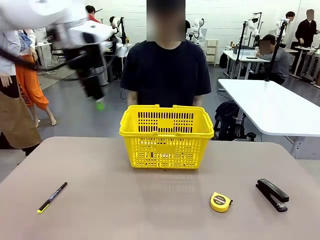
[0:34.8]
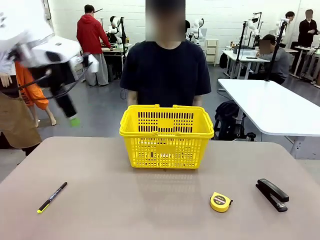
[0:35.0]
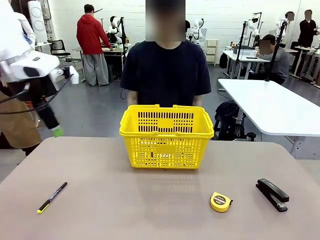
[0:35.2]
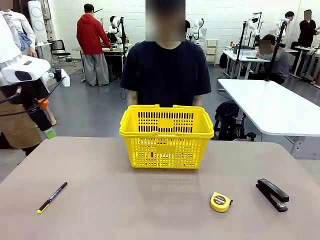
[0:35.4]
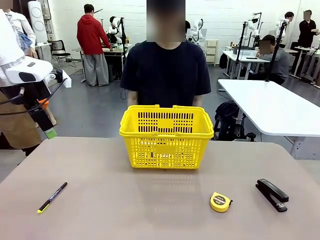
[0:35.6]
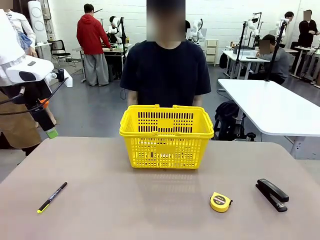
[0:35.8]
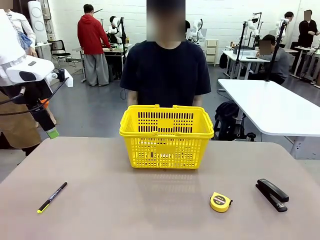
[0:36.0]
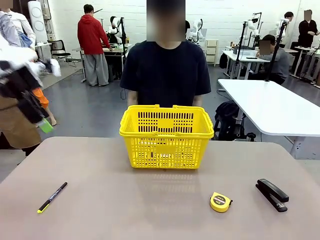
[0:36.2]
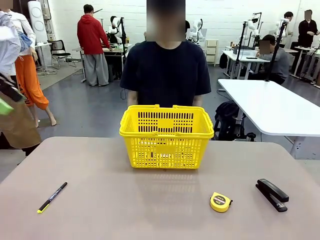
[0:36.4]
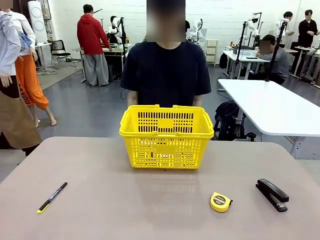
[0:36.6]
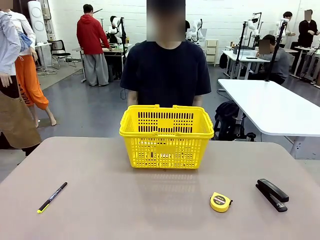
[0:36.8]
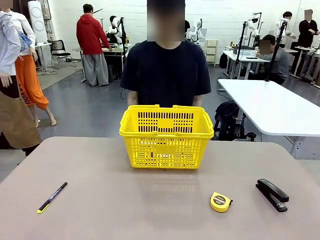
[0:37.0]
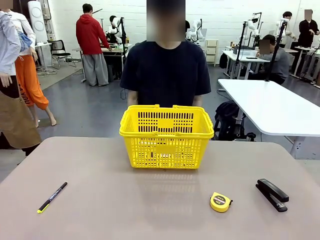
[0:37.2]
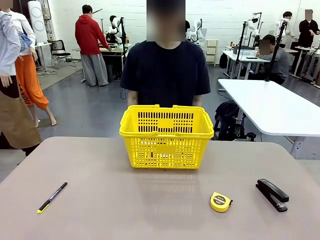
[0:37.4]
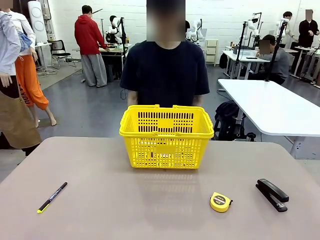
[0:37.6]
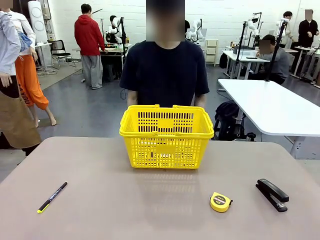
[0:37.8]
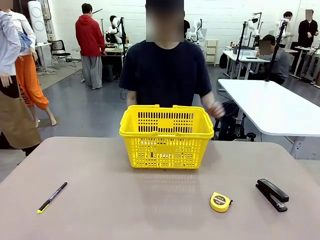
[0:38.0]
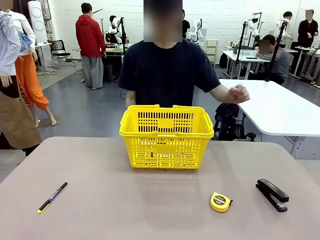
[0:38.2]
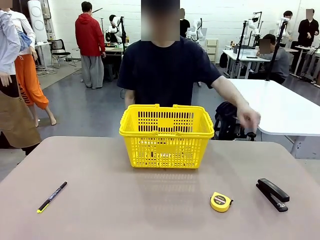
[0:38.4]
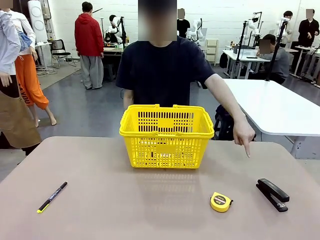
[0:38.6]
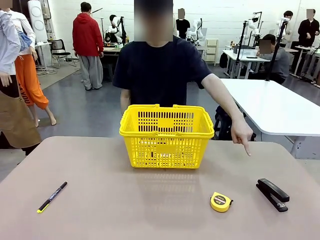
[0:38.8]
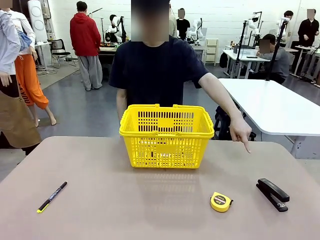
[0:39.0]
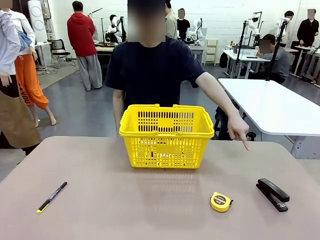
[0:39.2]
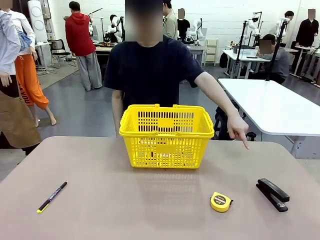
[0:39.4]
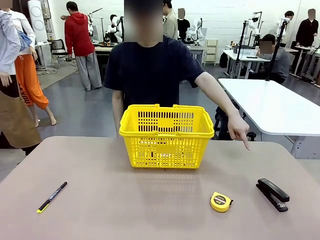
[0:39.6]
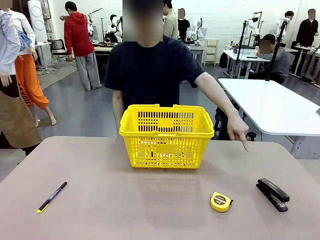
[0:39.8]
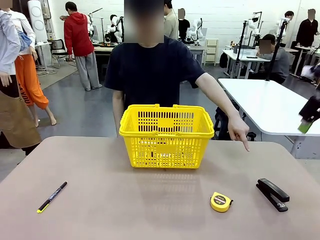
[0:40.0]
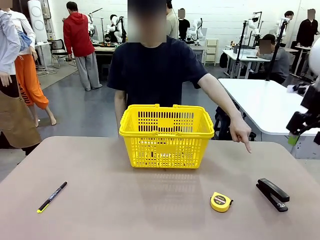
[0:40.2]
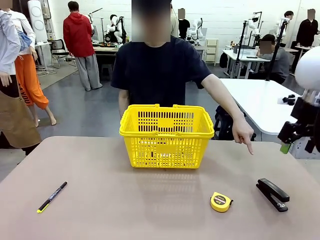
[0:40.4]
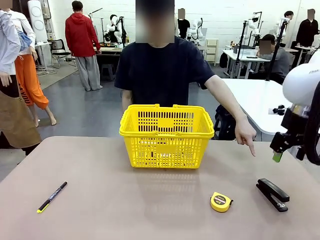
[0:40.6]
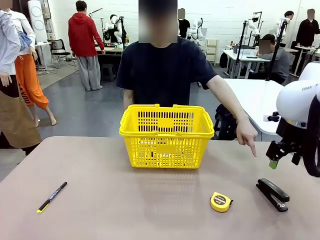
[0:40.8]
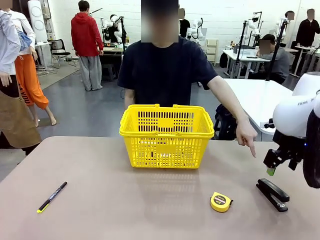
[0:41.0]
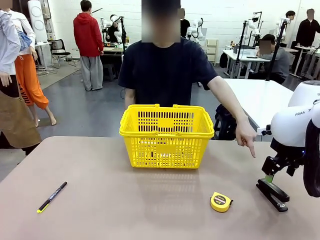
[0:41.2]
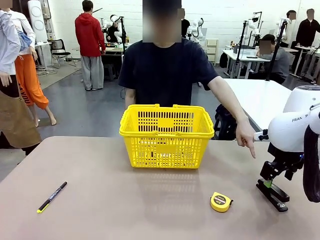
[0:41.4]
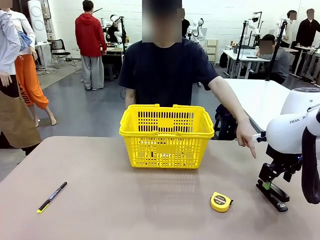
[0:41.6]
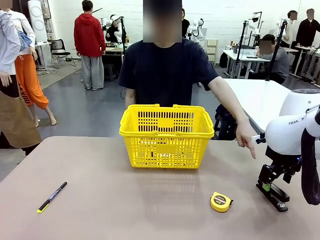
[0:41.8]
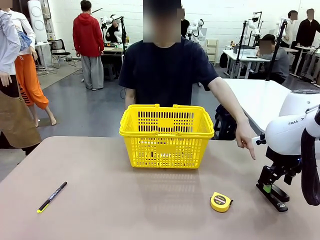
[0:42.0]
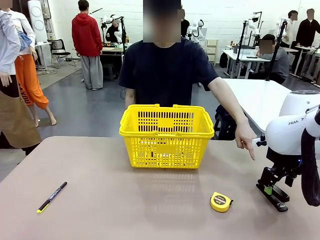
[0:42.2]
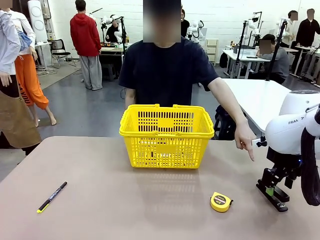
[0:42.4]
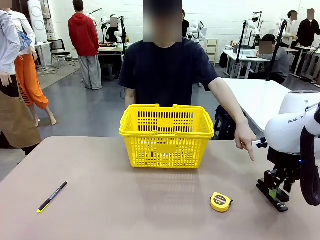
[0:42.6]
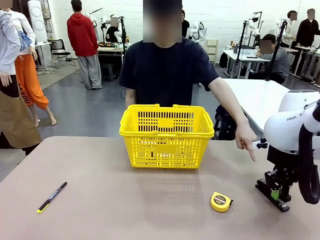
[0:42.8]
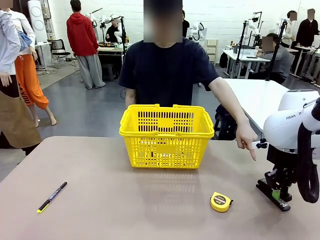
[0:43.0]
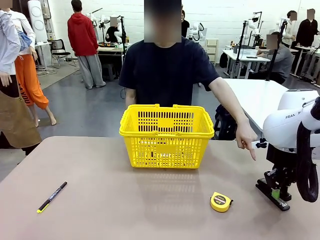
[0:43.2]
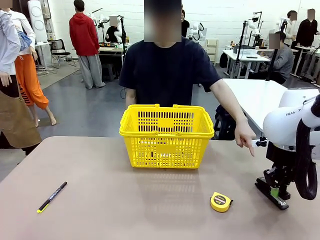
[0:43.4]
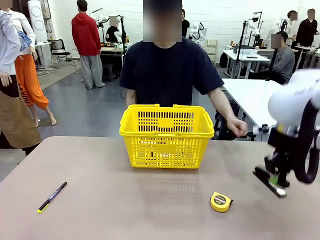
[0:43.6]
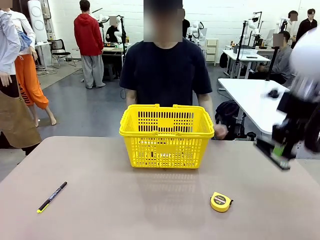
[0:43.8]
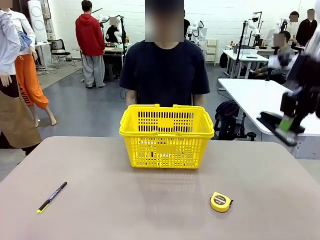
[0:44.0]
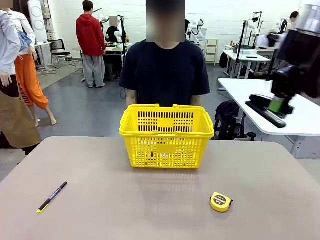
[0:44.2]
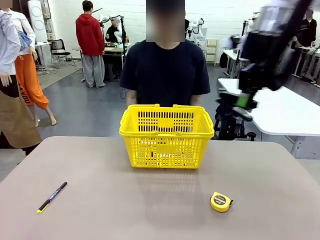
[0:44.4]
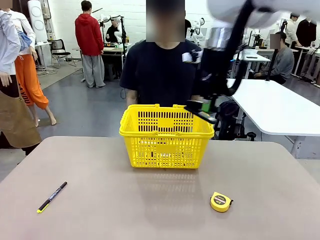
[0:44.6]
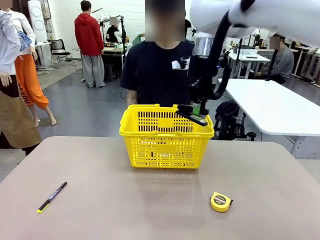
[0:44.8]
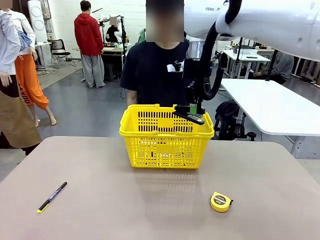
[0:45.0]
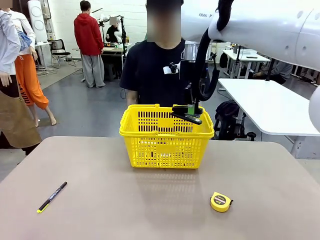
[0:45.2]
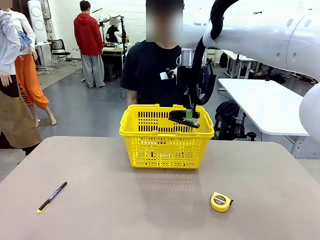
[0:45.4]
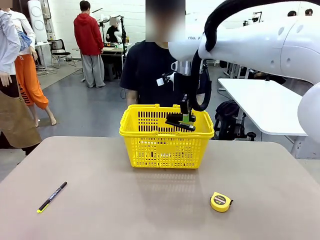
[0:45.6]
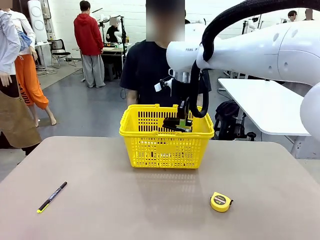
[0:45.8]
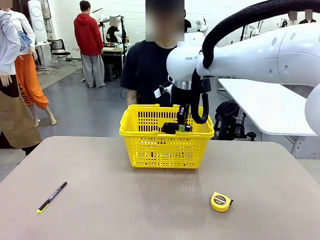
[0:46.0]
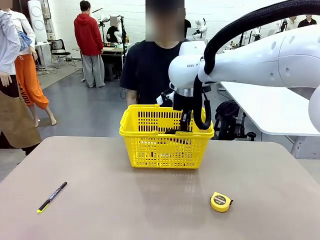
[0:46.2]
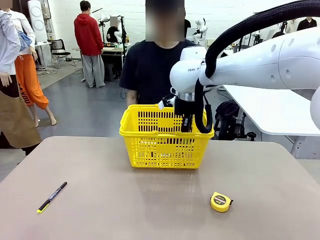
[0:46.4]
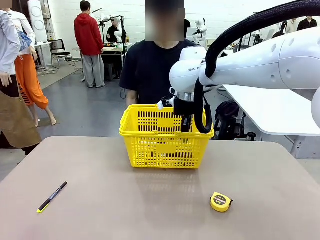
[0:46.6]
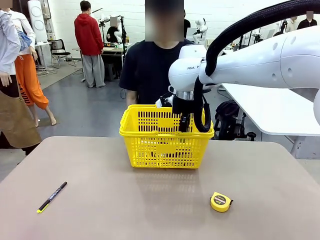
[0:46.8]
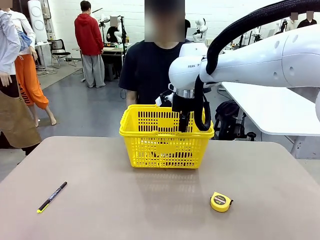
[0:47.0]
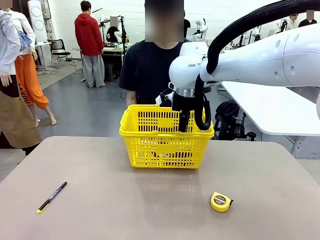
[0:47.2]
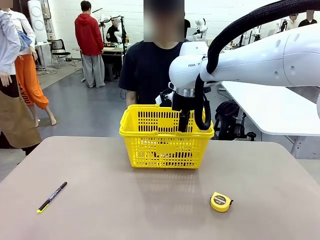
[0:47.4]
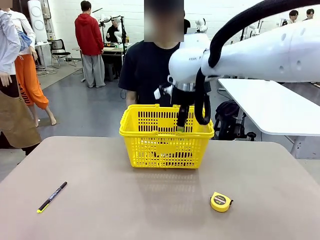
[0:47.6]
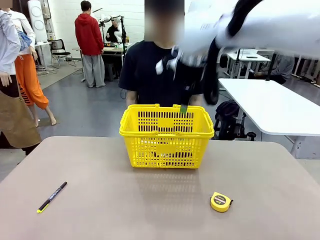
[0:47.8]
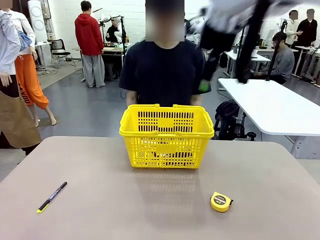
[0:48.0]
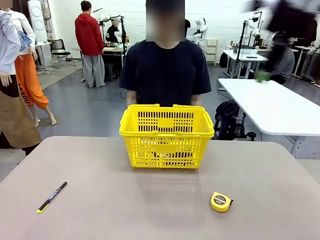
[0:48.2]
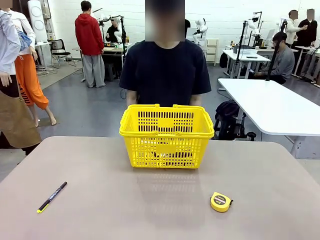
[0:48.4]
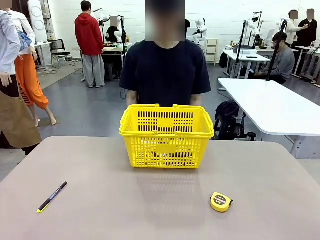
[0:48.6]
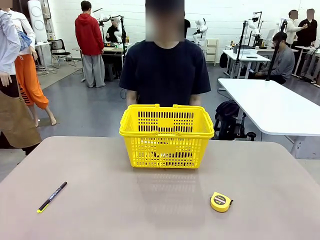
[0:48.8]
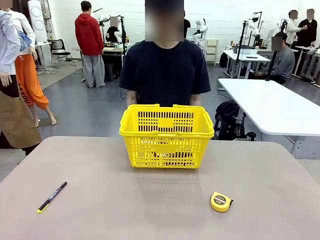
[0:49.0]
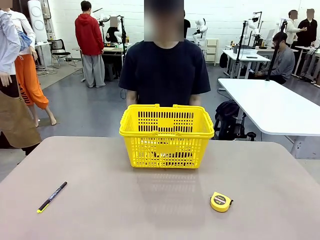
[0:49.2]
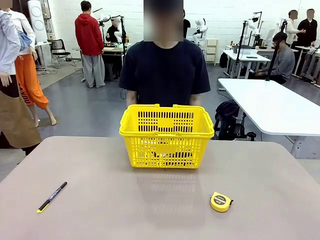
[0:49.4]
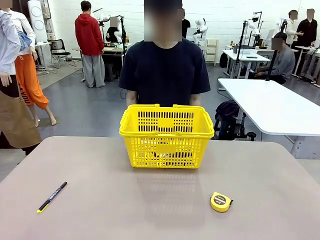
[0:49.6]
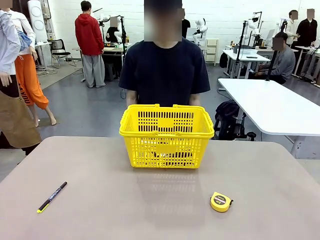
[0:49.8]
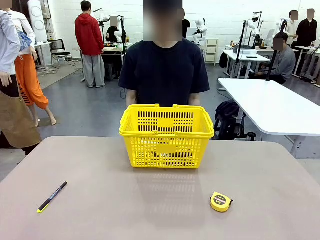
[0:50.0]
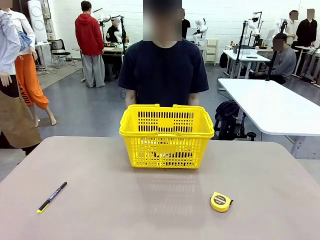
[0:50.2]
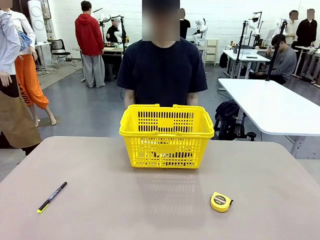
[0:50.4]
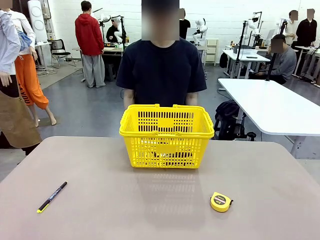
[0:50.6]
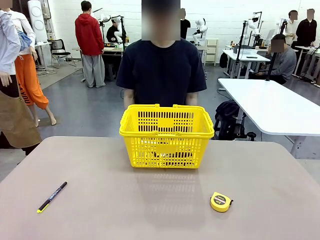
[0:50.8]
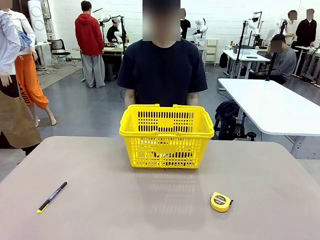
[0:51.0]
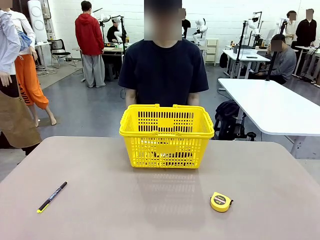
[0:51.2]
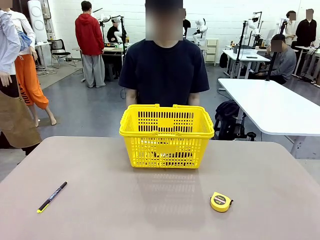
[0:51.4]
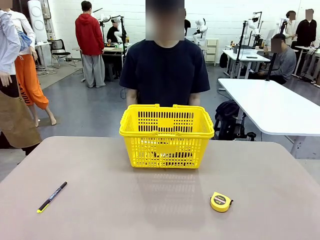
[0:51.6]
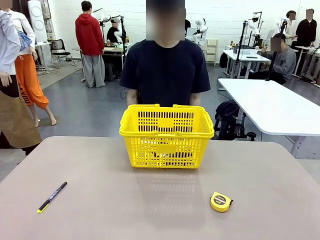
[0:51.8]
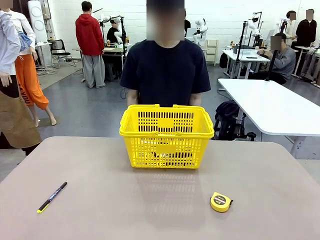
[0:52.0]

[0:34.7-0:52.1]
Task: Place the items the person wants into the basket.
Robot: Pick up the item the person points to and place it in the Market Basket.
